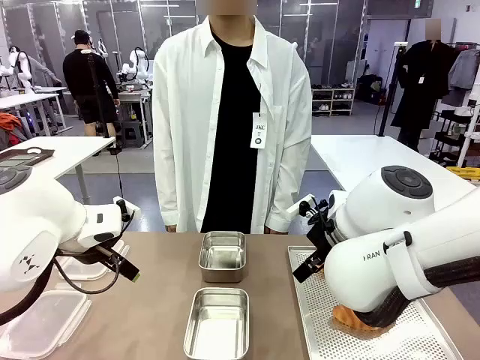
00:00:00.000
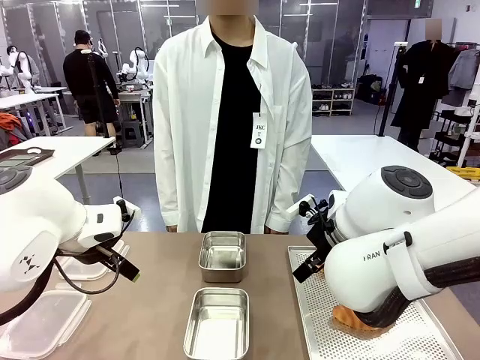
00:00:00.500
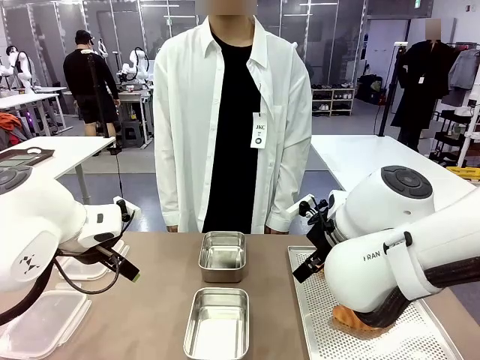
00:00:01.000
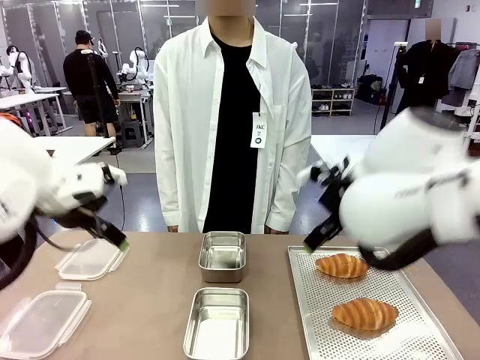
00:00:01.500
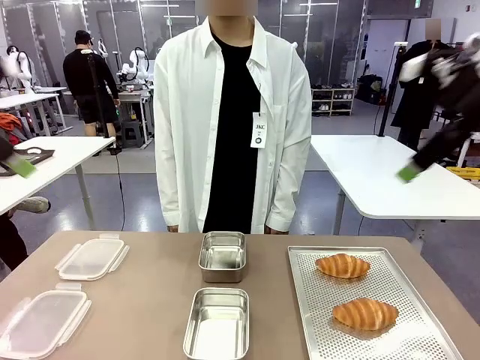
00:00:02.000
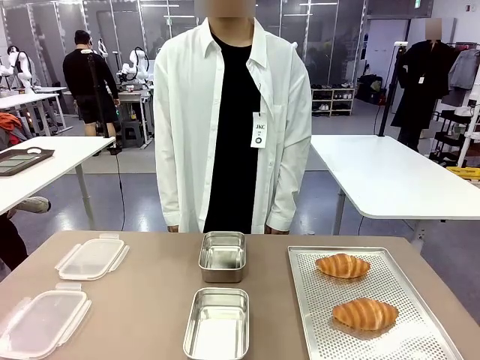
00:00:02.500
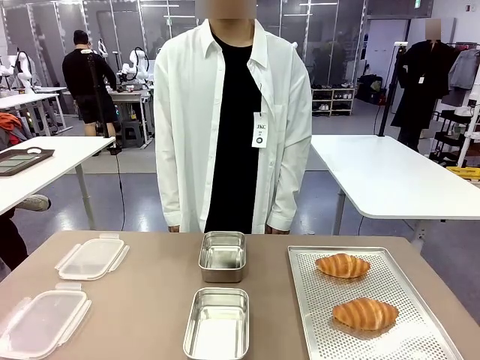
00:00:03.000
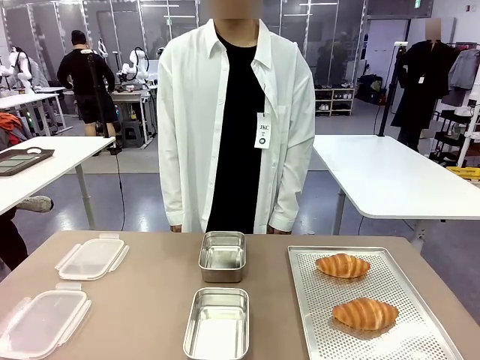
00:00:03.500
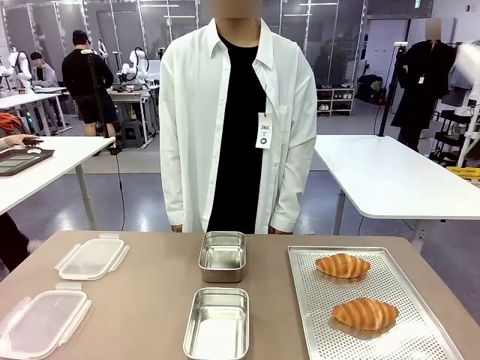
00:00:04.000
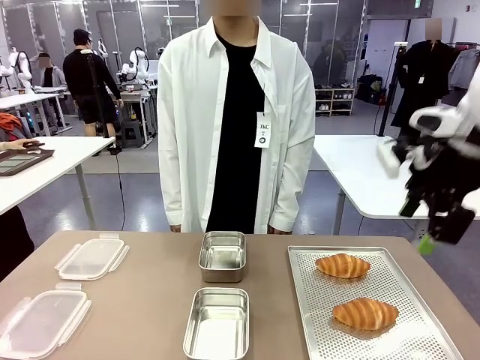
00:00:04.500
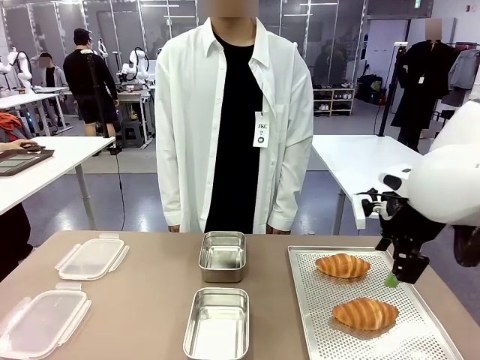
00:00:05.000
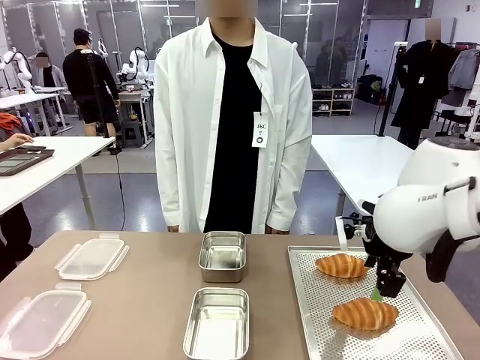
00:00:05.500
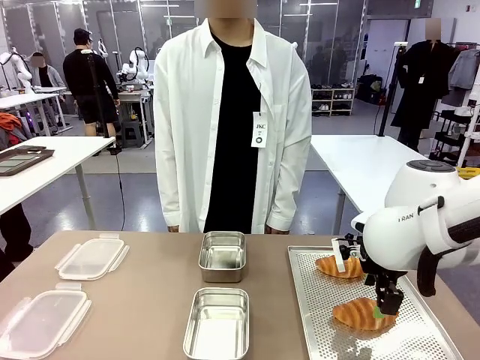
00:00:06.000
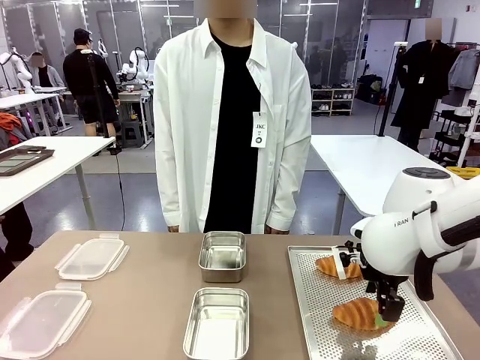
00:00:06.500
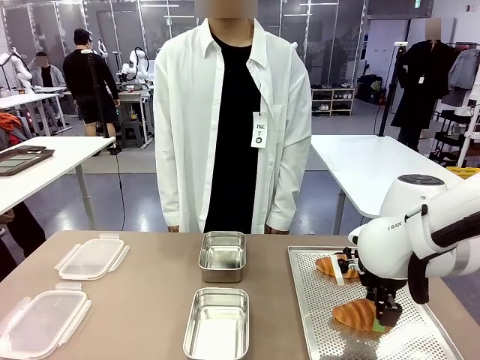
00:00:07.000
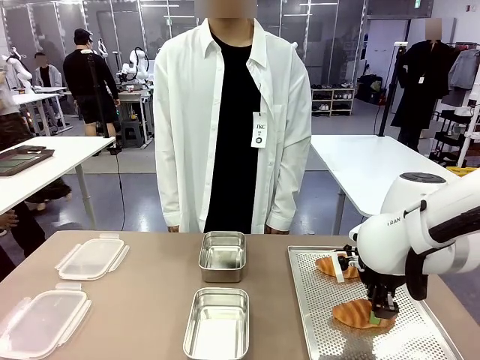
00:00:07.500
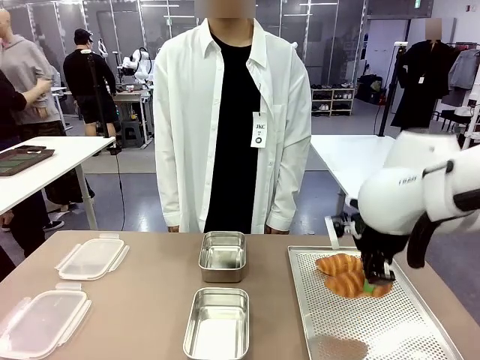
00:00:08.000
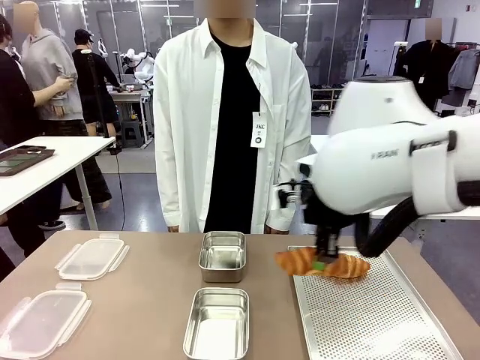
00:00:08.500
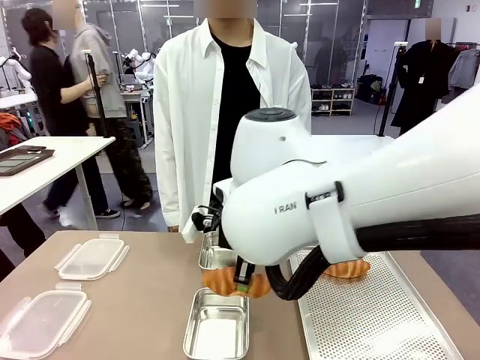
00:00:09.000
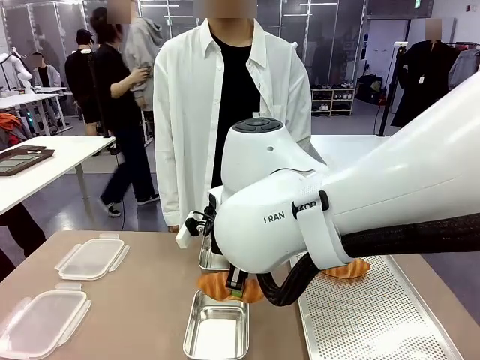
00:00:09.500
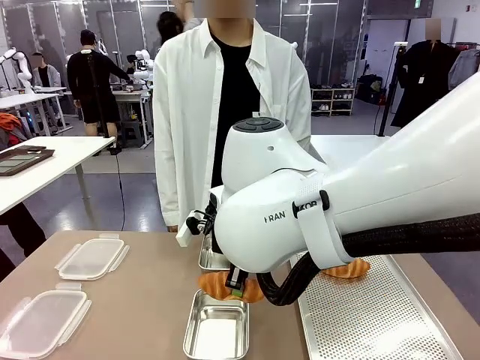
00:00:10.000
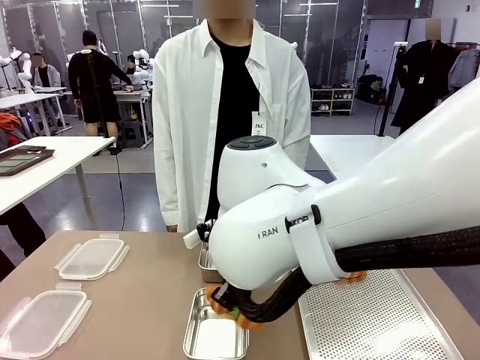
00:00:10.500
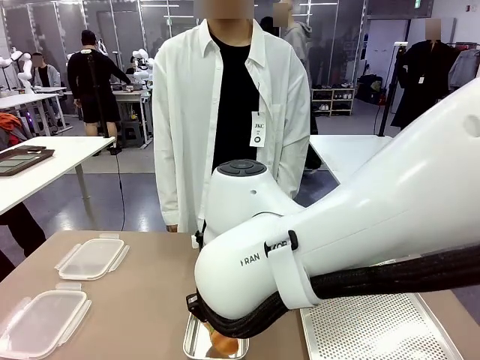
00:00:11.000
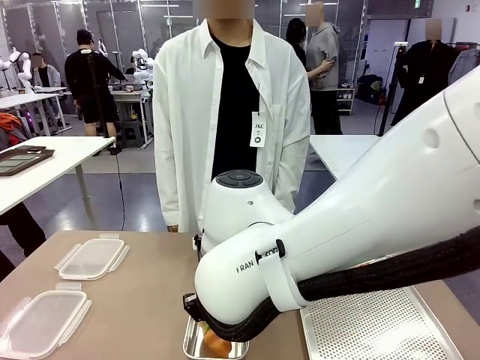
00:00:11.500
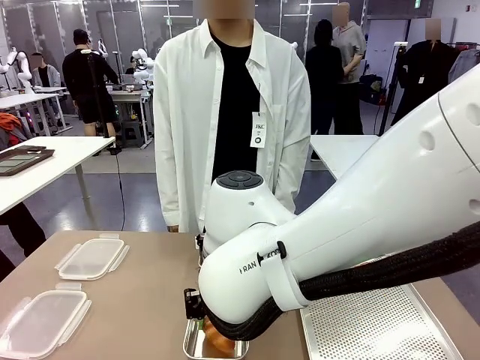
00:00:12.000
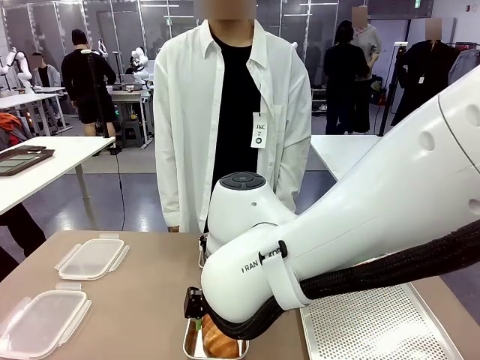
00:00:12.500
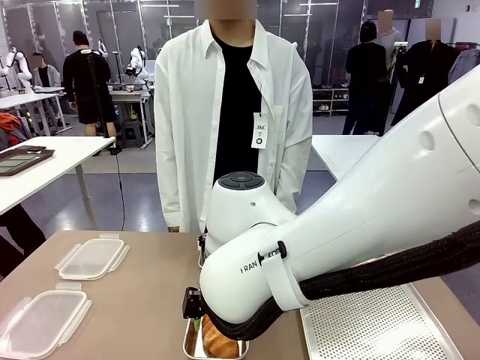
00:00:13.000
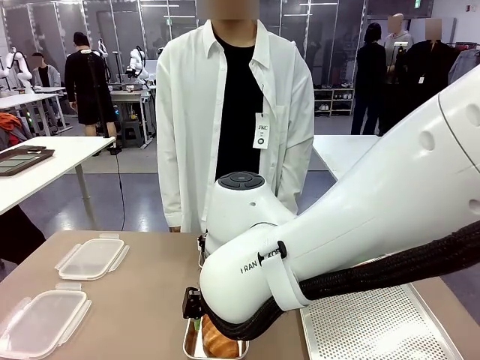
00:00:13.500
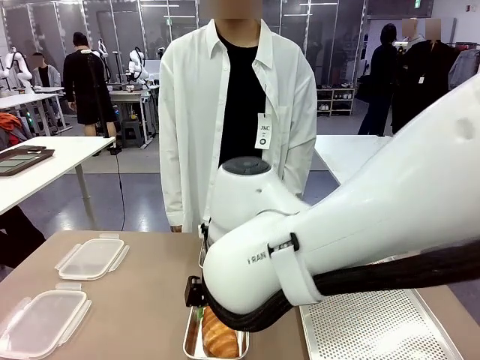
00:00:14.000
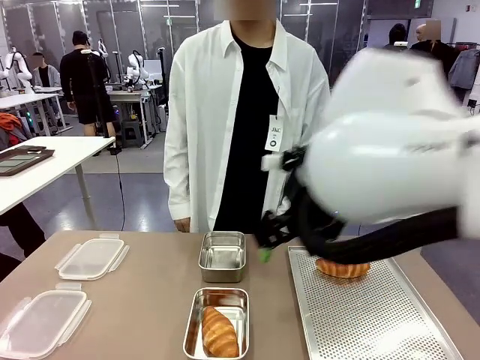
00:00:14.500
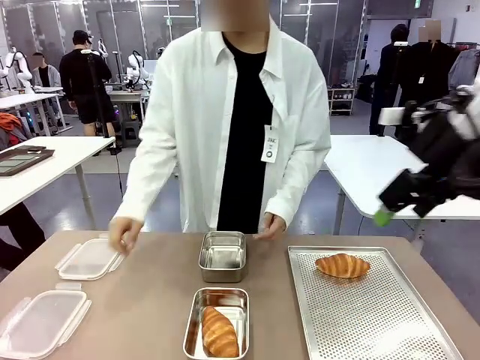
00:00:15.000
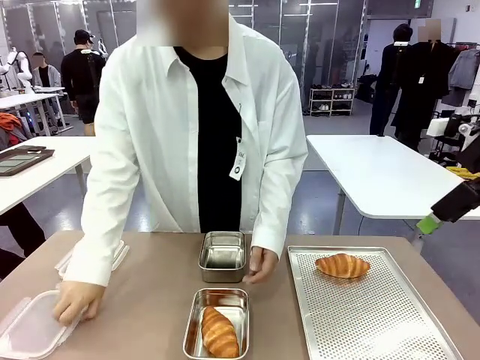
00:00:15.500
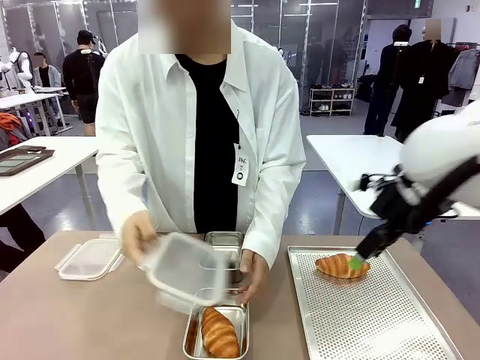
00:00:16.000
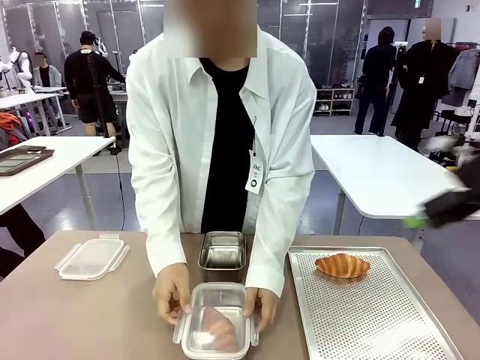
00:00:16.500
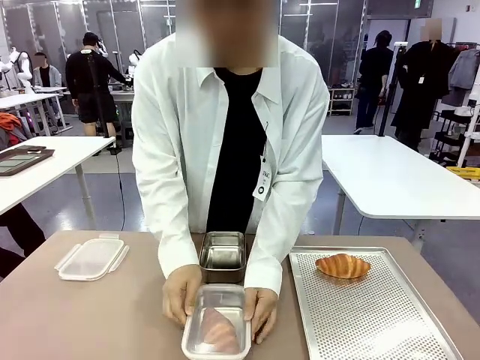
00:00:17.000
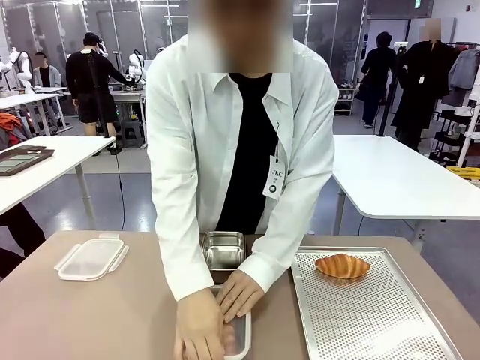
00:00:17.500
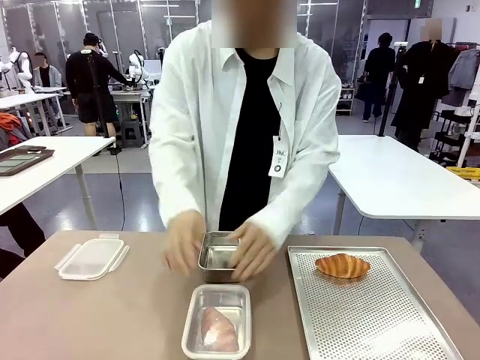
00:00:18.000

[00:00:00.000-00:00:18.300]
Task: Place the bread into the airtight container.
Robot: Pick up a Butter Roll and place it into an empty Airtight Container.
